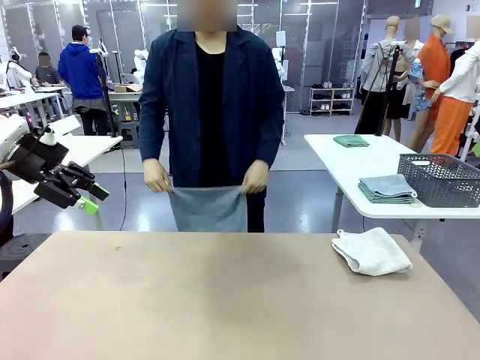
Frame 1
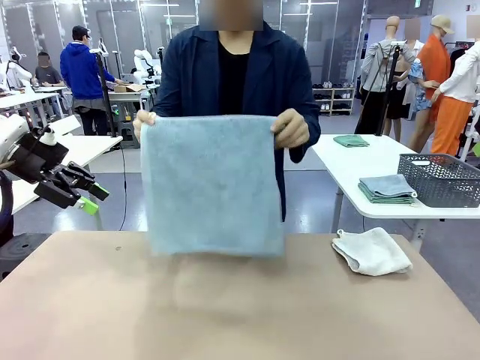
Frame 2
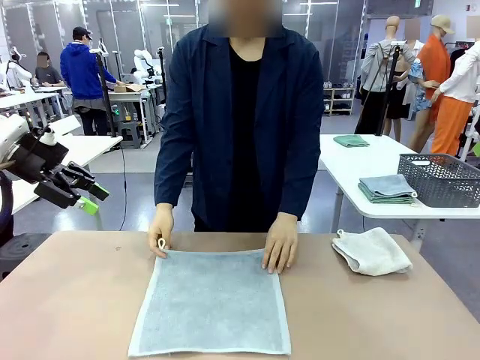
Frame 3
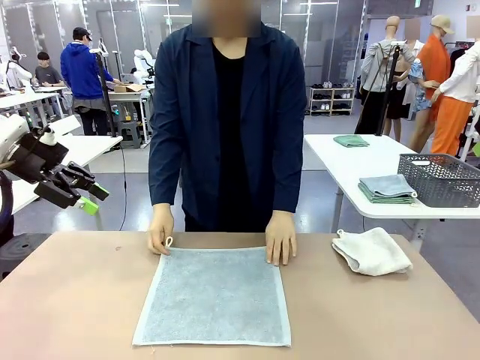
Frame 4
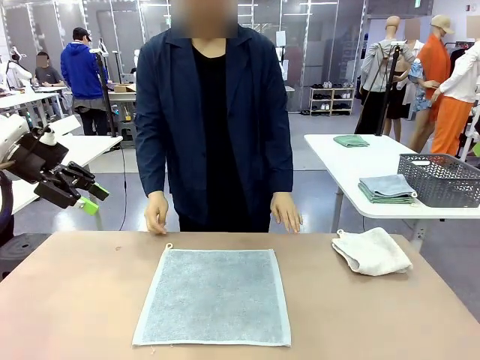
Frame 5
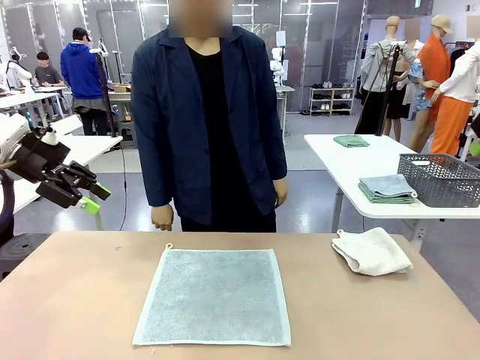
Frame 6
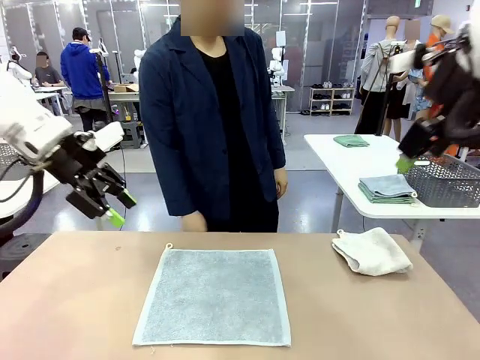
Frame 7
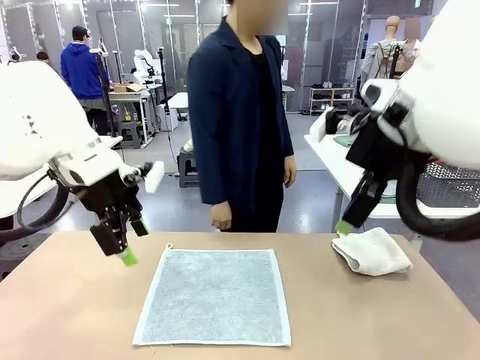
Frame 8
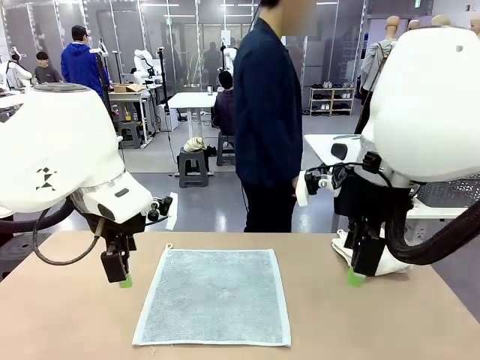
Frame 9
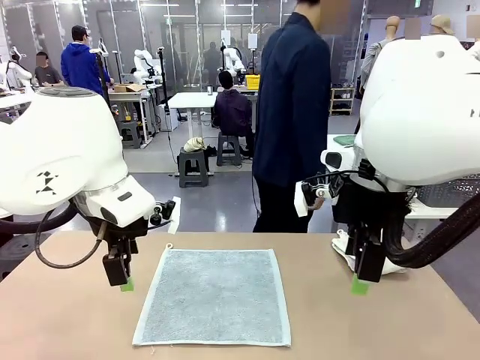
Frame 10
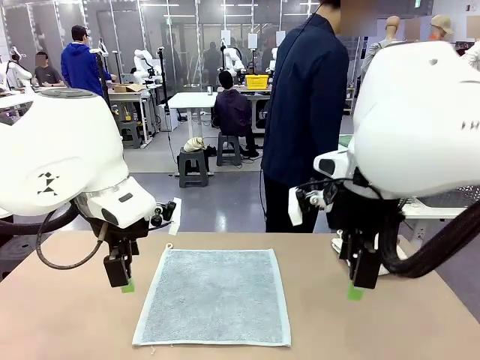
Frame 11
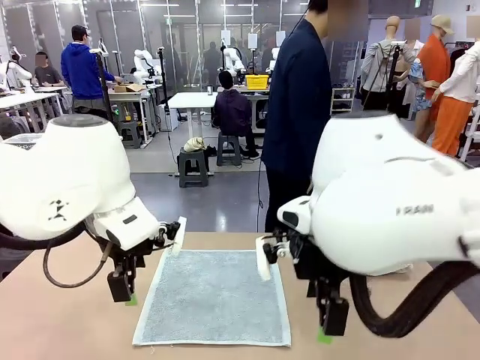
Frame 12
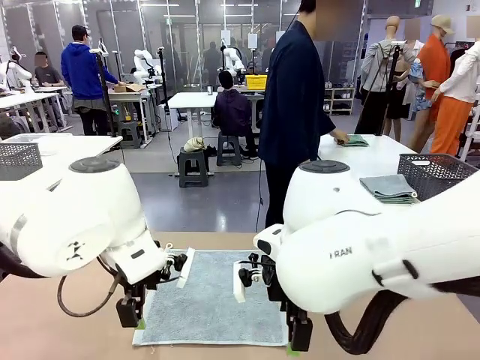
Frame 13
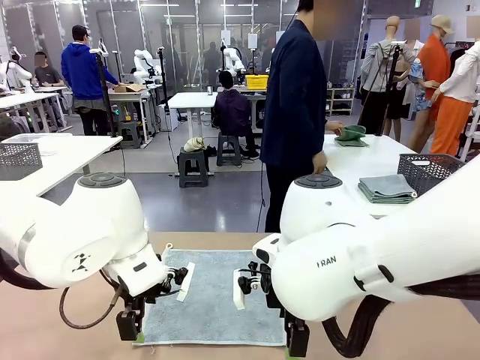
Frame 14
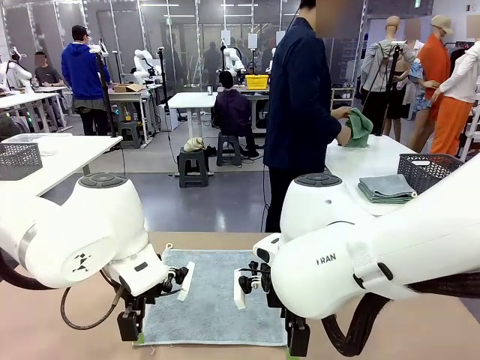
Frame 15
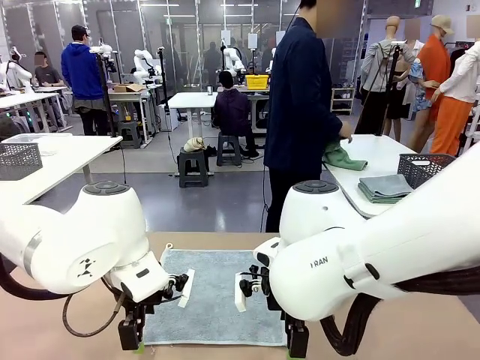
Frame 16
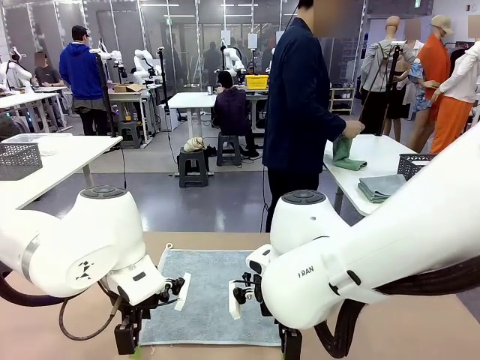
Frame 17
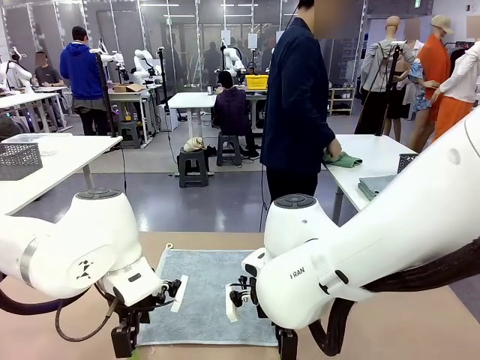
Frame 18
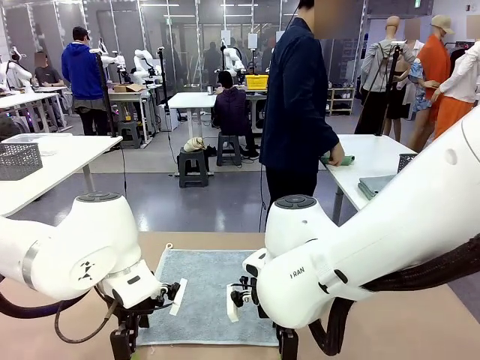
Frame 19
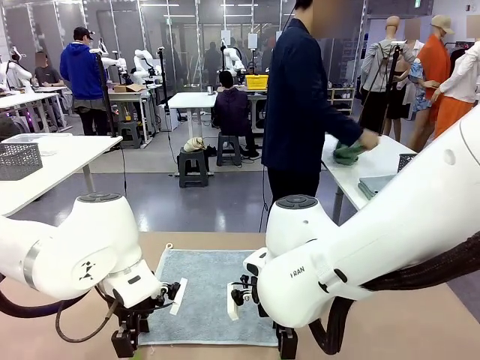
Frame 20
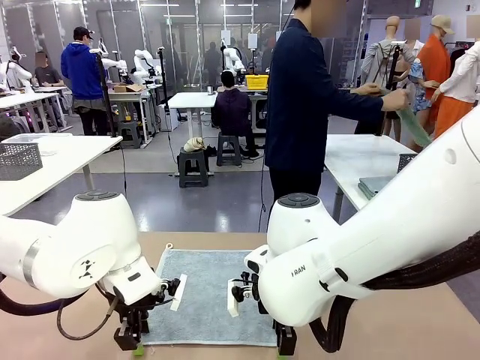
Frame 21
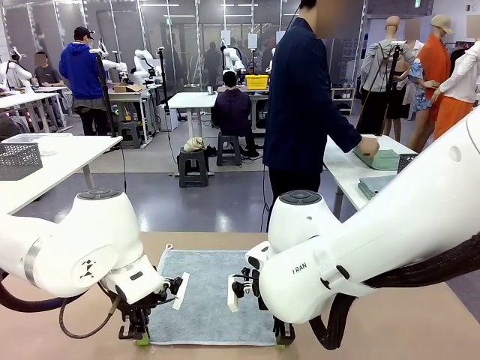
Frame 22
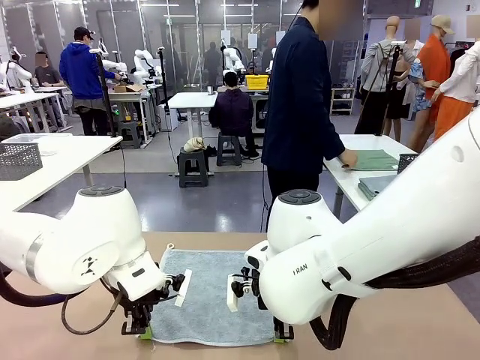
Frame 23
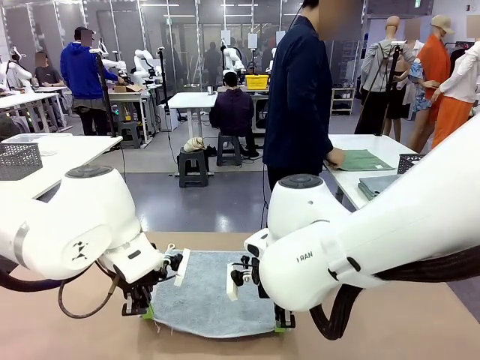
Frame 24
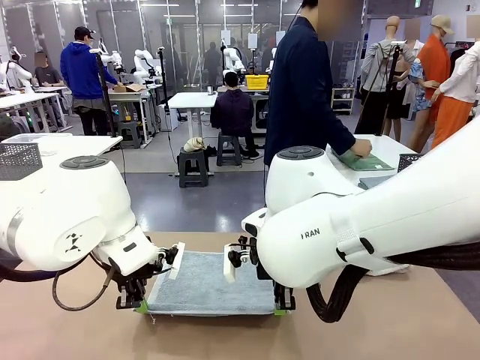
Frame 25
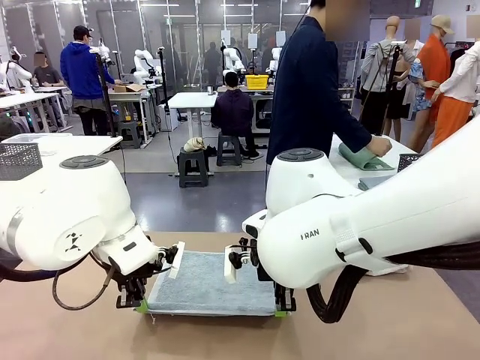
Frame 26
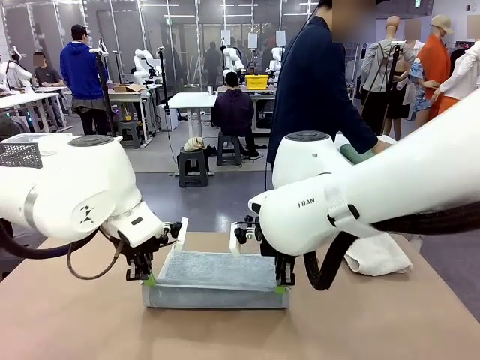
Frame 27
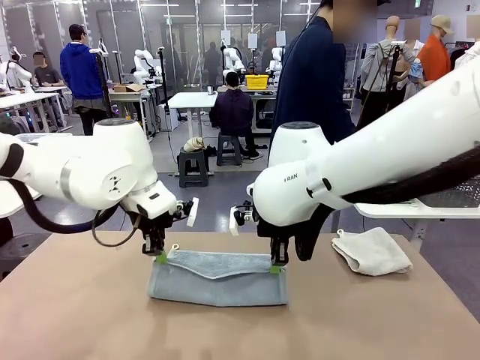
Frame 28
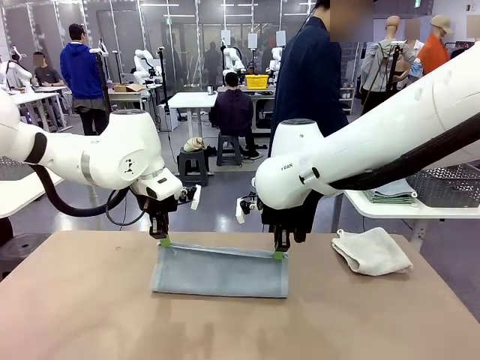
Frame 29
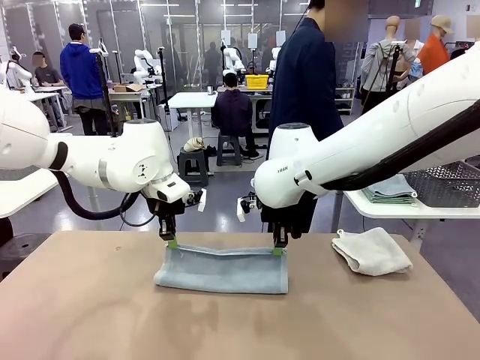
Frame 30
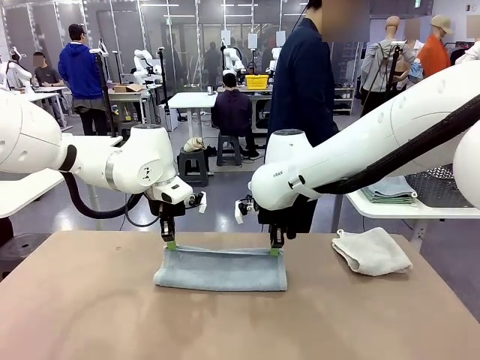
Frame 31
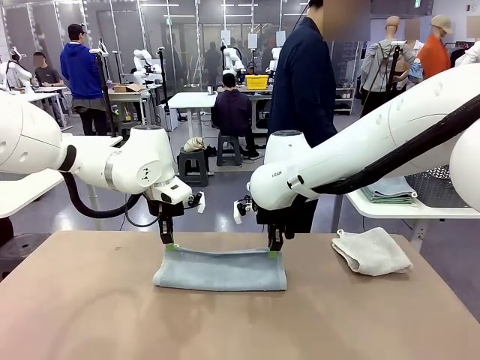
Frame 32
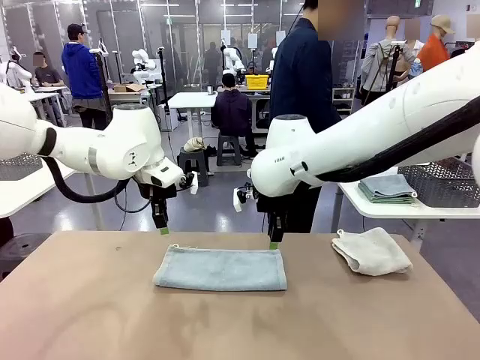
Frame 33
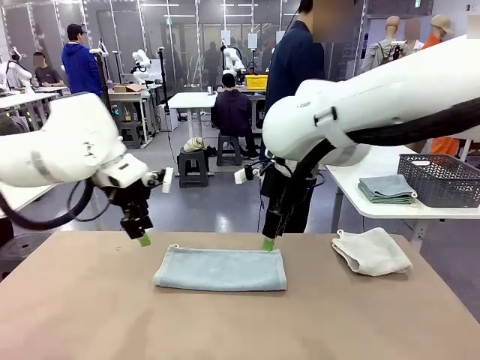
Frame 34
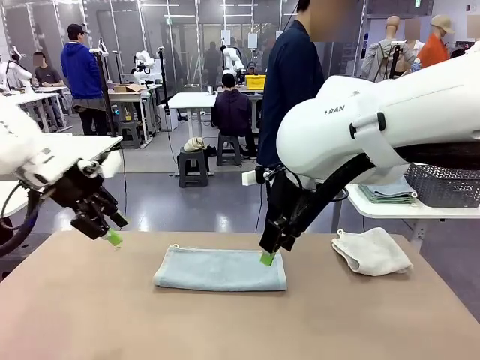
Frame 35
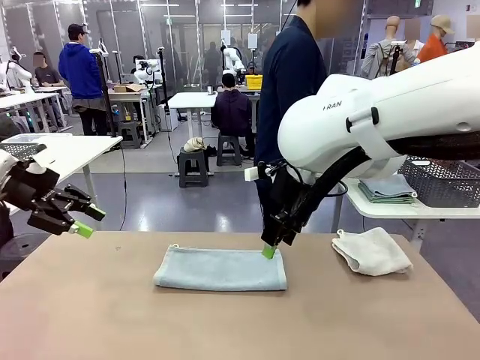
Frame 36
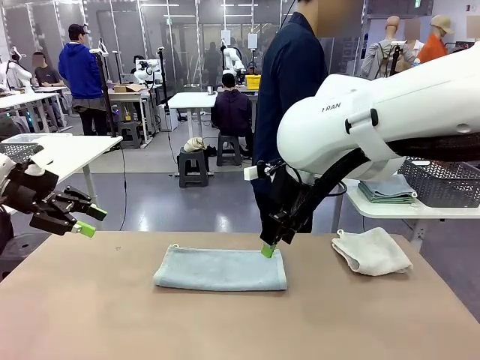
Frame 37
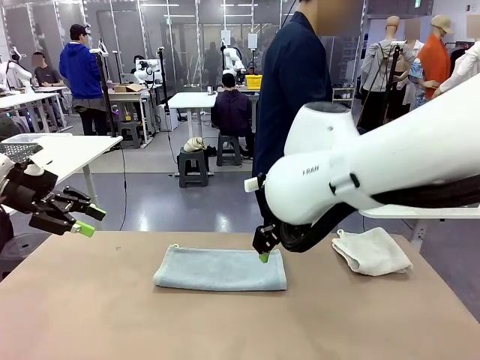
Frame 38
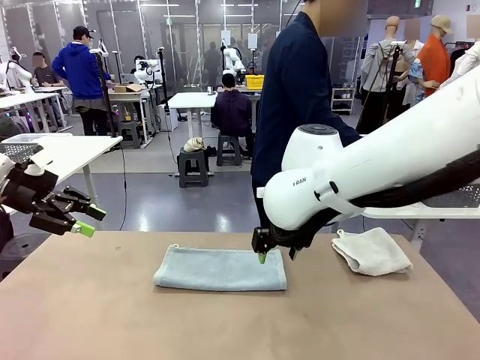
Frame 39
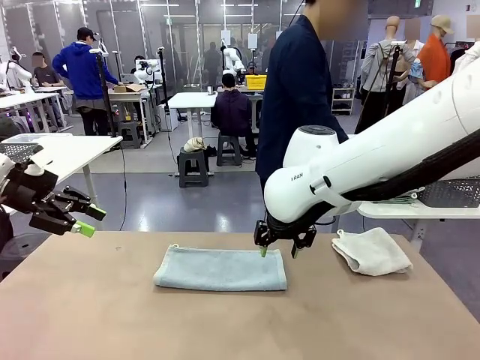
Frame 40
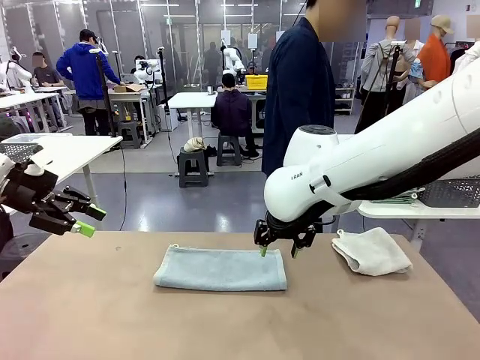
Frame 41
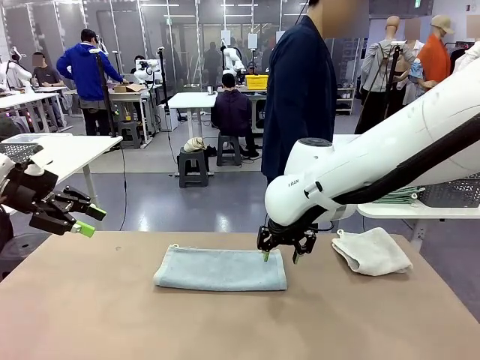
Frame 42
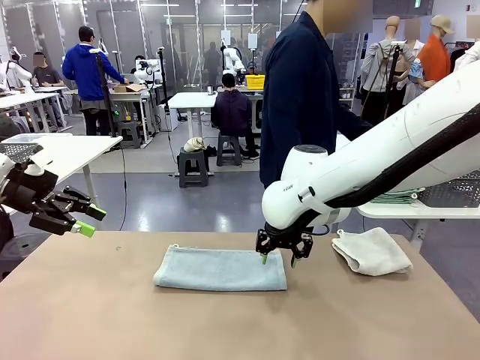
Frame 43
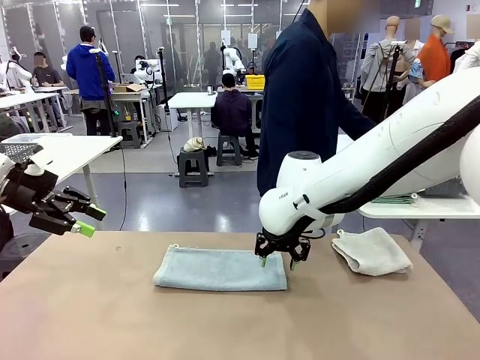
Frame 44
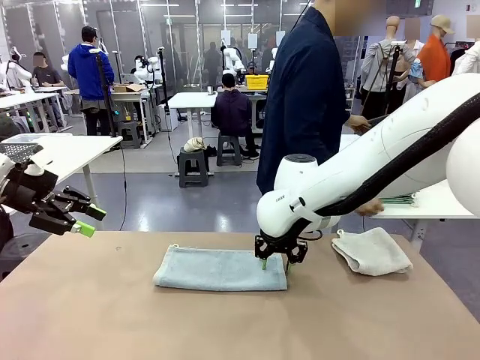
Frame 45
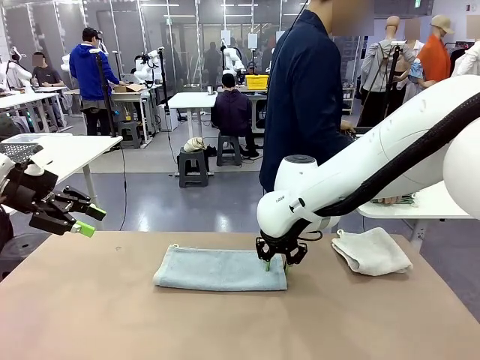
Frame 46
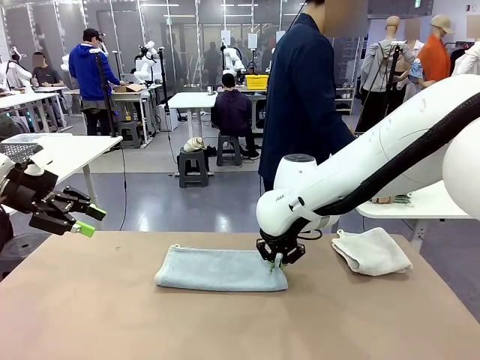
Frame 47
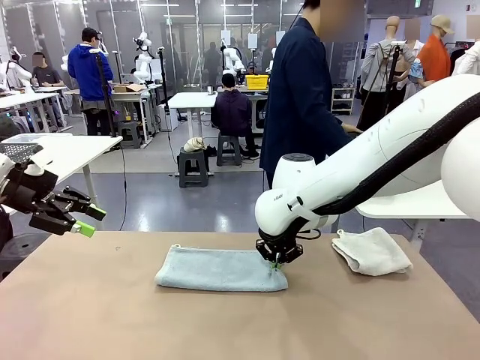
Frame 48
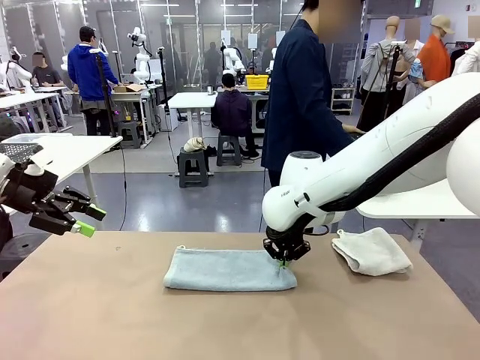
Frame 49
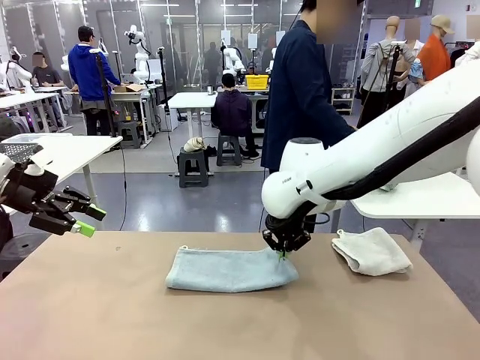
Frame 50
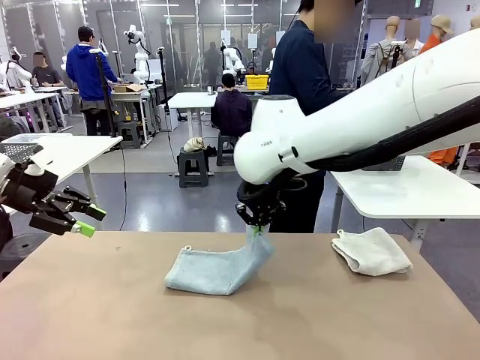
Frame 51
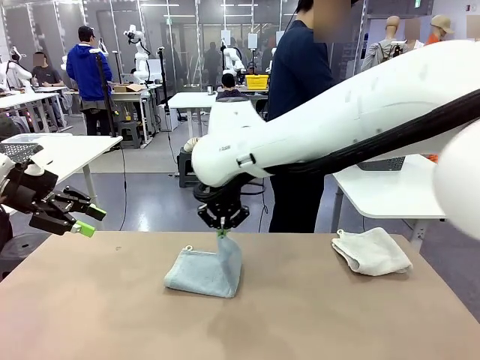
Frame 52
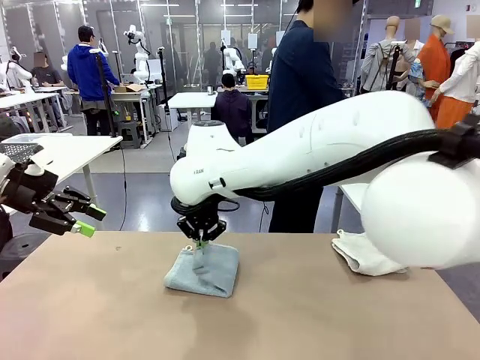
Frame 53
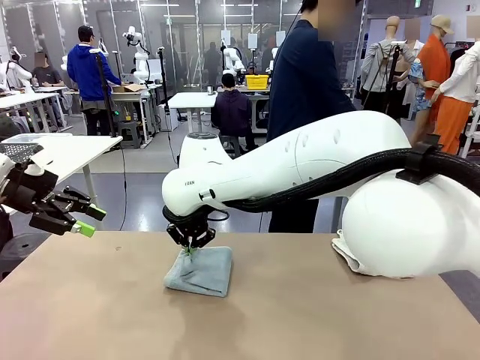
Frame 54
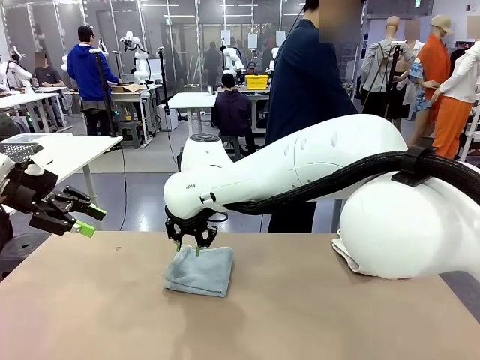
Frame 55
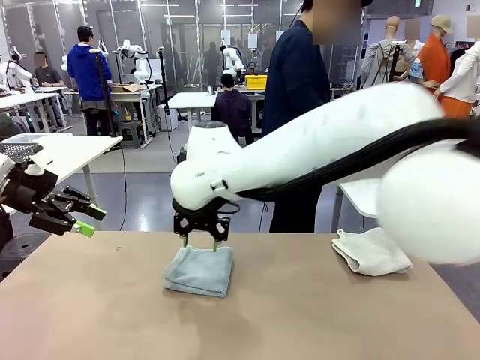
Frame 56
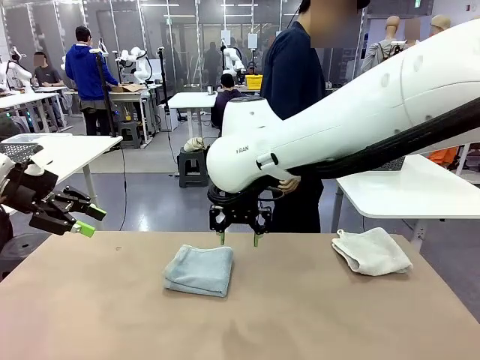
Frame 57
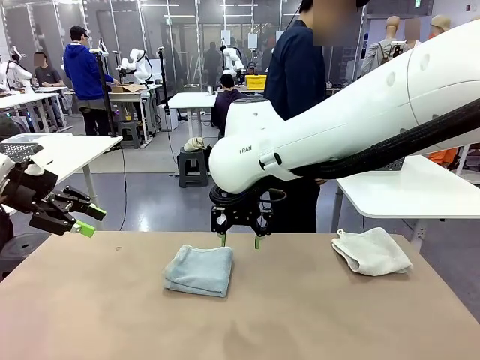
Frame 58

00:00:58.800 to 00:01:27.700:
Task: Fold the towels and place them in the basket.
Robot: When a person lays out a Towel with hook on the table, fold it in half twice.
Person: Pick up one towel from the left side of the human table, fold it in half twice, and stack it on the right side of the table. Pick up the stack of towels from the right side of the human table, place it into the basket, and put the basket at the center of the table.
